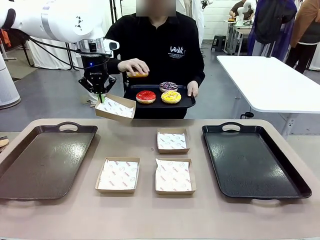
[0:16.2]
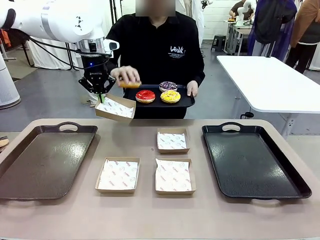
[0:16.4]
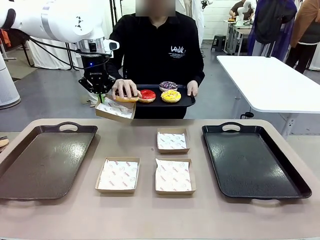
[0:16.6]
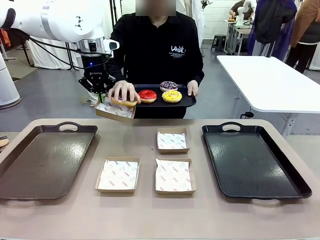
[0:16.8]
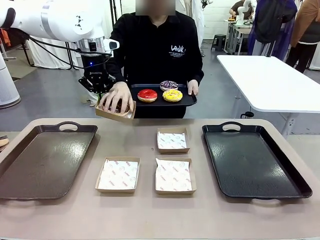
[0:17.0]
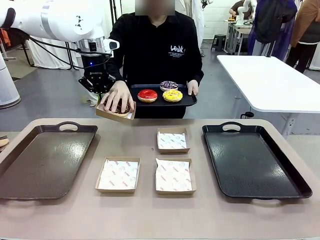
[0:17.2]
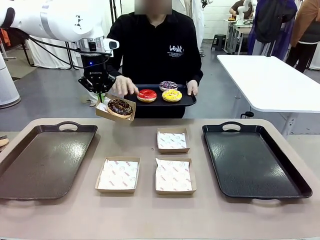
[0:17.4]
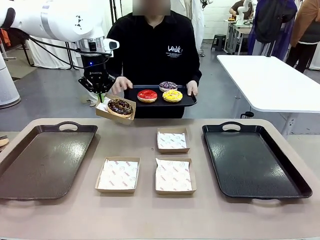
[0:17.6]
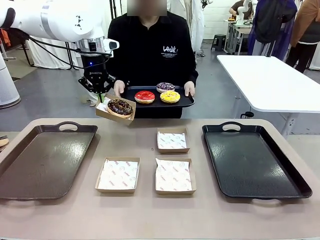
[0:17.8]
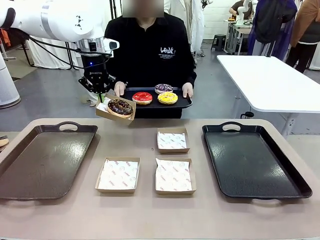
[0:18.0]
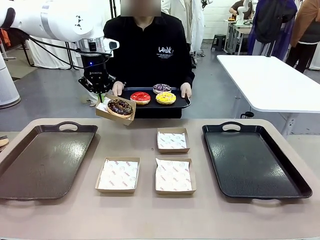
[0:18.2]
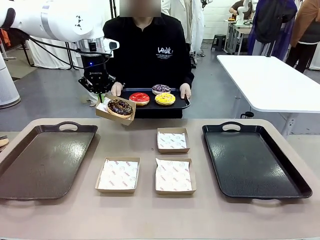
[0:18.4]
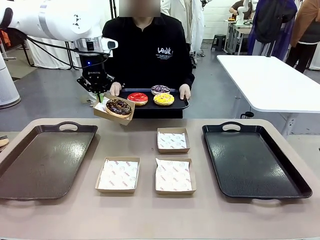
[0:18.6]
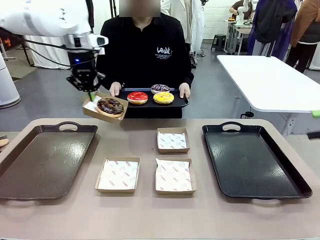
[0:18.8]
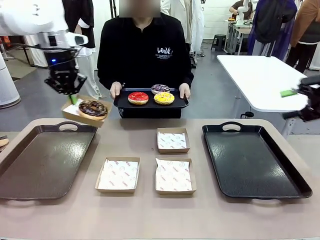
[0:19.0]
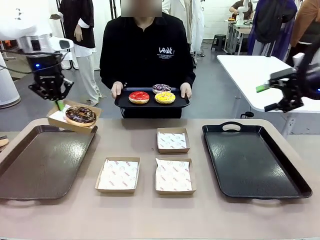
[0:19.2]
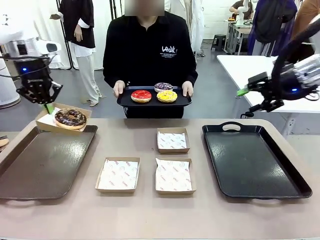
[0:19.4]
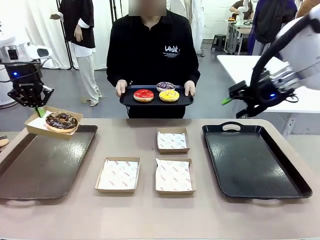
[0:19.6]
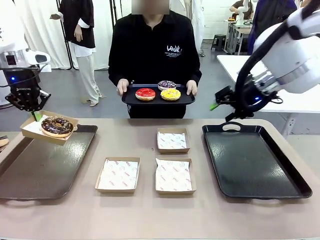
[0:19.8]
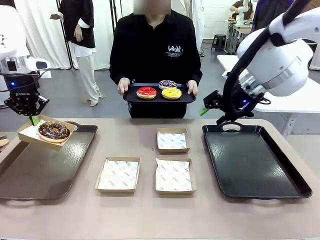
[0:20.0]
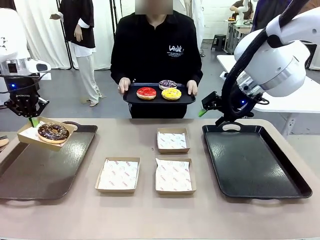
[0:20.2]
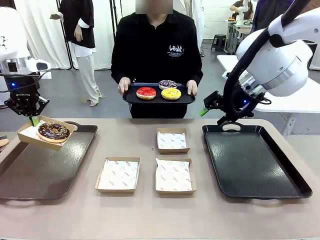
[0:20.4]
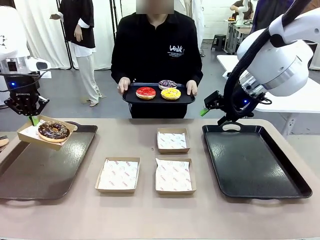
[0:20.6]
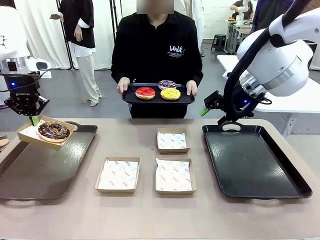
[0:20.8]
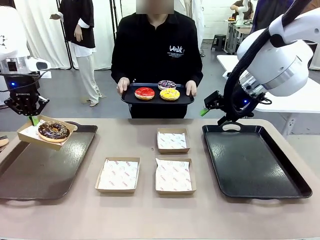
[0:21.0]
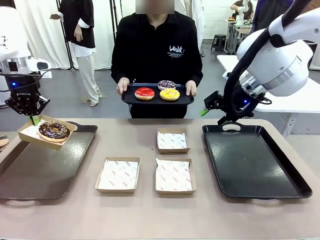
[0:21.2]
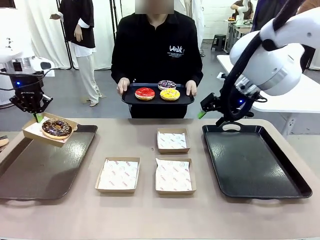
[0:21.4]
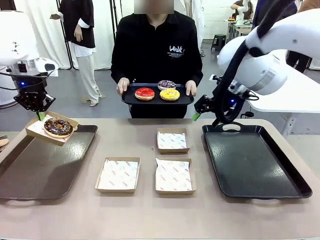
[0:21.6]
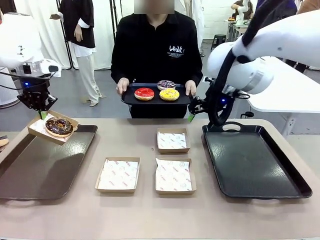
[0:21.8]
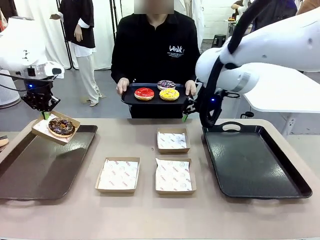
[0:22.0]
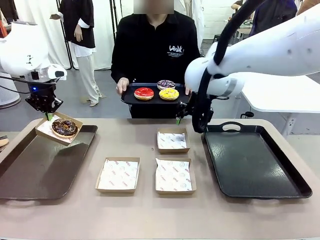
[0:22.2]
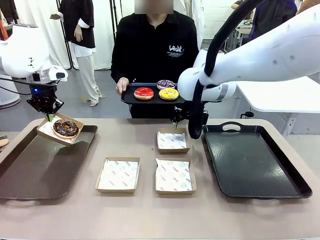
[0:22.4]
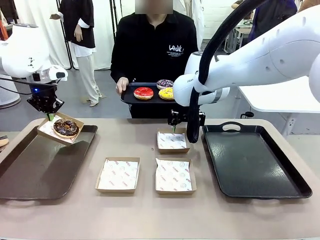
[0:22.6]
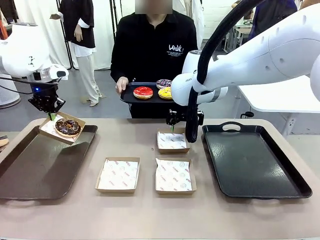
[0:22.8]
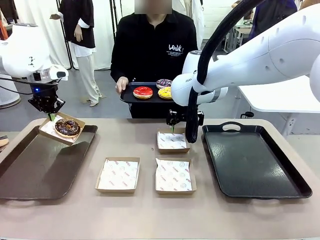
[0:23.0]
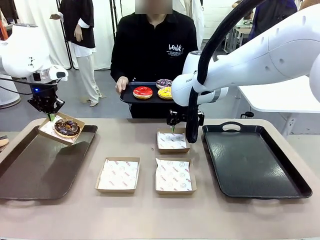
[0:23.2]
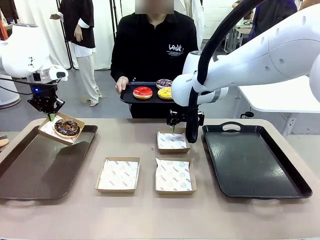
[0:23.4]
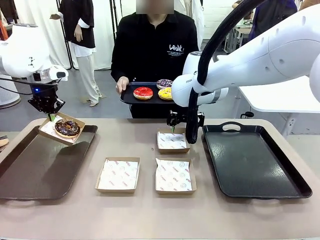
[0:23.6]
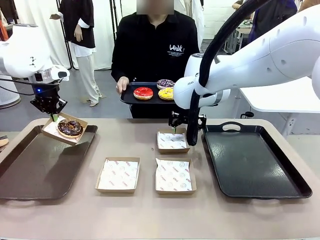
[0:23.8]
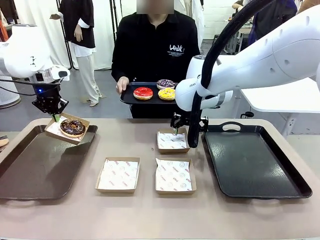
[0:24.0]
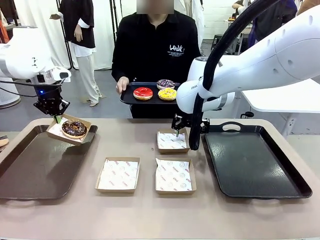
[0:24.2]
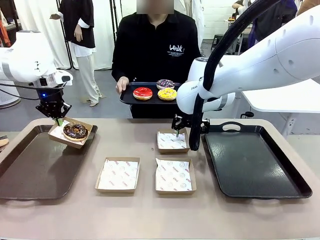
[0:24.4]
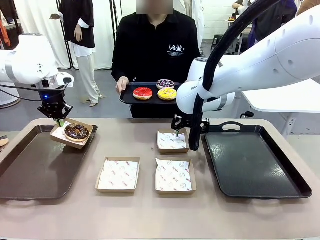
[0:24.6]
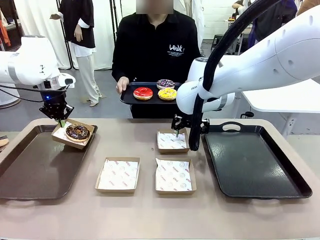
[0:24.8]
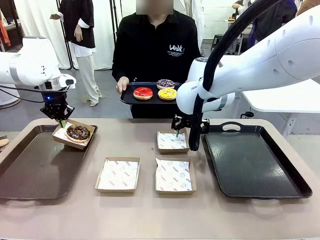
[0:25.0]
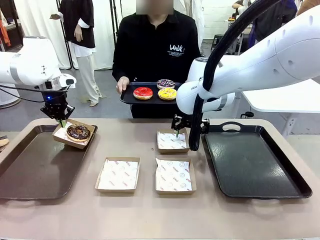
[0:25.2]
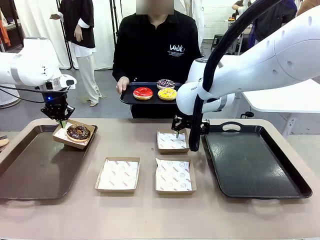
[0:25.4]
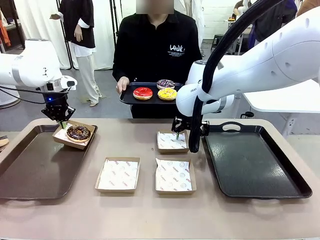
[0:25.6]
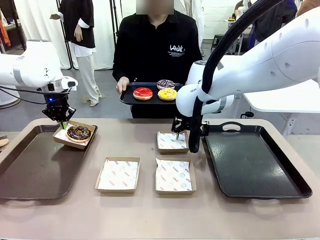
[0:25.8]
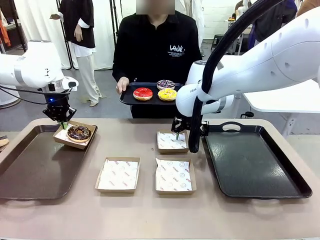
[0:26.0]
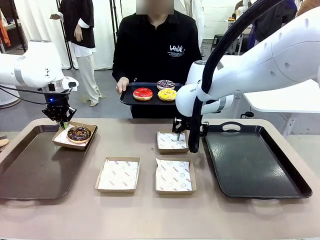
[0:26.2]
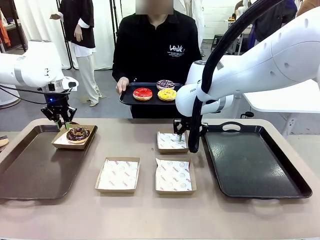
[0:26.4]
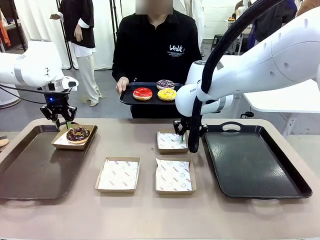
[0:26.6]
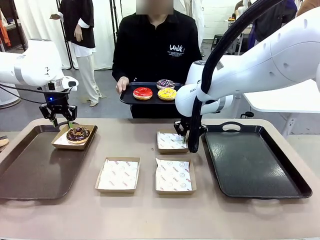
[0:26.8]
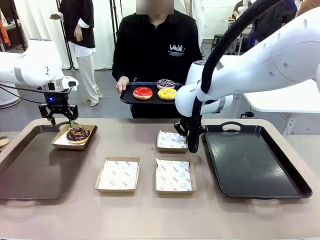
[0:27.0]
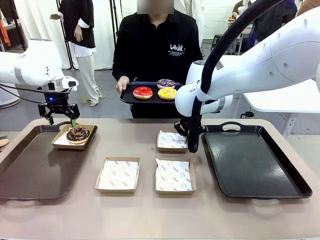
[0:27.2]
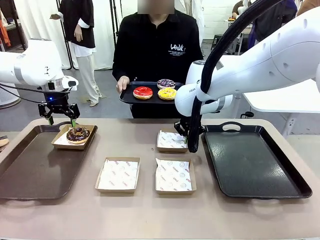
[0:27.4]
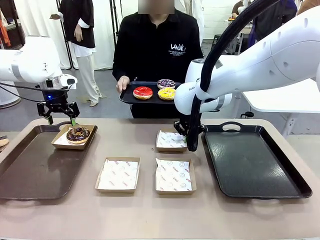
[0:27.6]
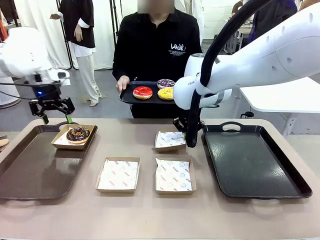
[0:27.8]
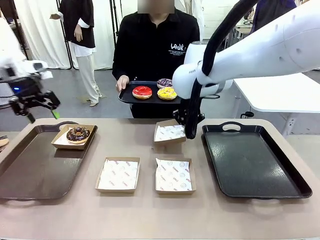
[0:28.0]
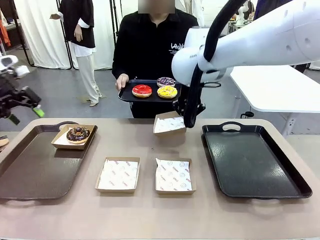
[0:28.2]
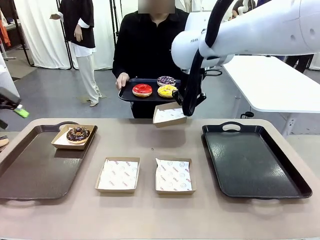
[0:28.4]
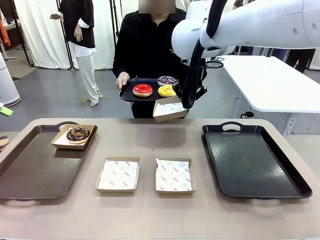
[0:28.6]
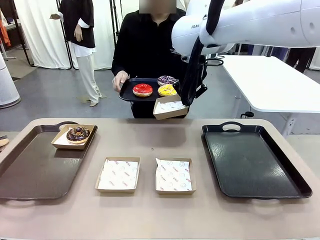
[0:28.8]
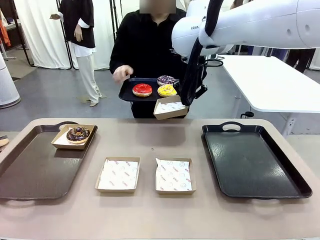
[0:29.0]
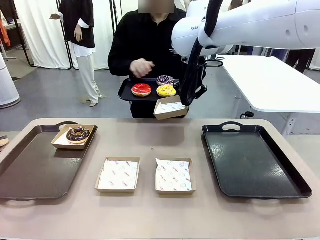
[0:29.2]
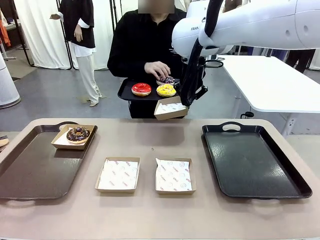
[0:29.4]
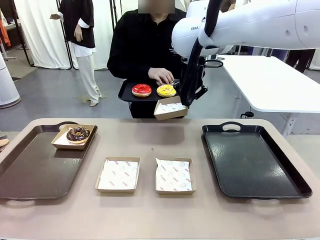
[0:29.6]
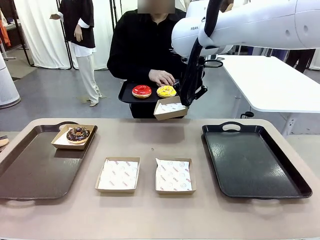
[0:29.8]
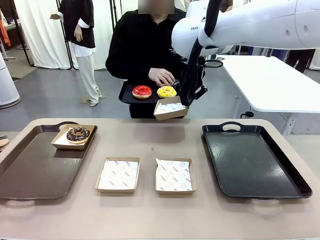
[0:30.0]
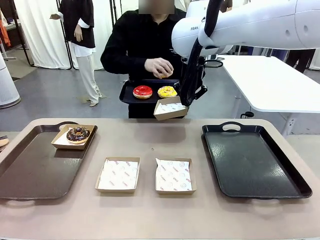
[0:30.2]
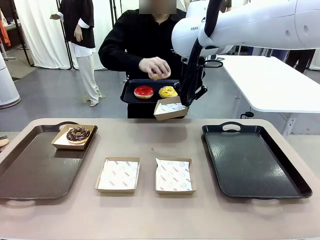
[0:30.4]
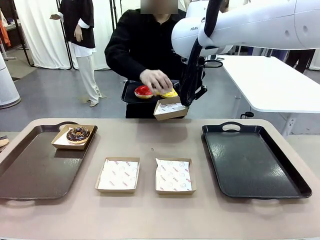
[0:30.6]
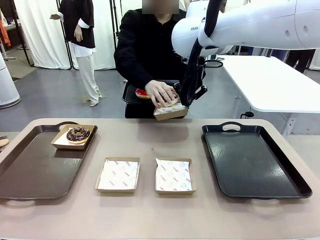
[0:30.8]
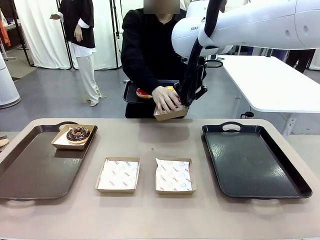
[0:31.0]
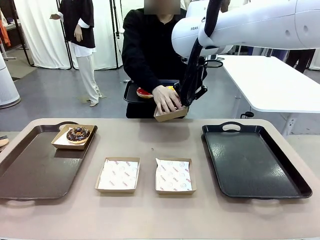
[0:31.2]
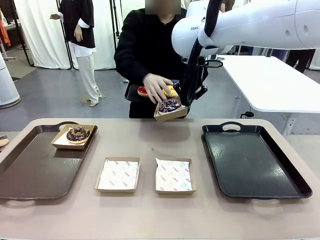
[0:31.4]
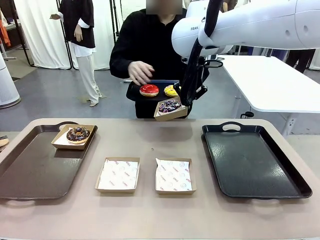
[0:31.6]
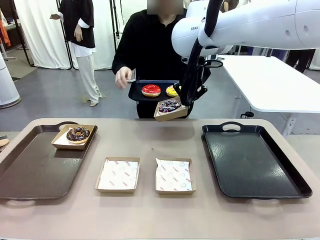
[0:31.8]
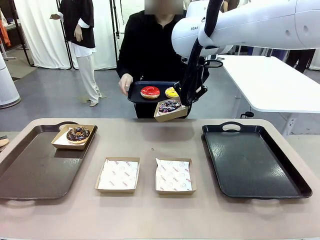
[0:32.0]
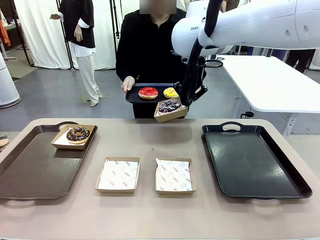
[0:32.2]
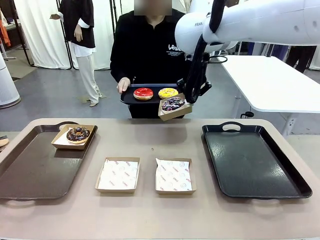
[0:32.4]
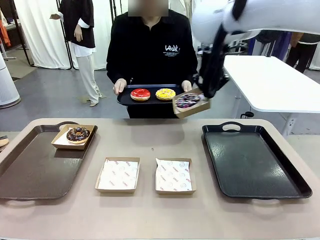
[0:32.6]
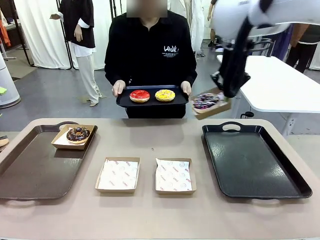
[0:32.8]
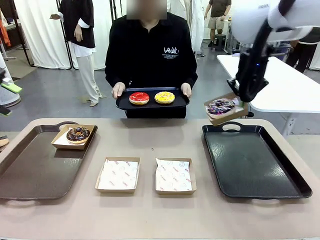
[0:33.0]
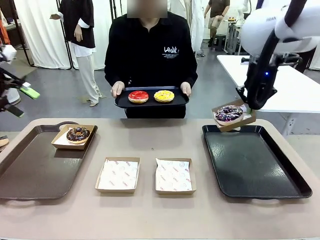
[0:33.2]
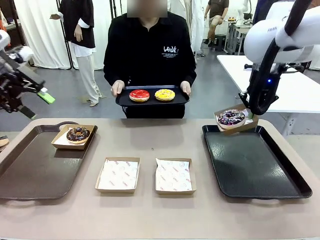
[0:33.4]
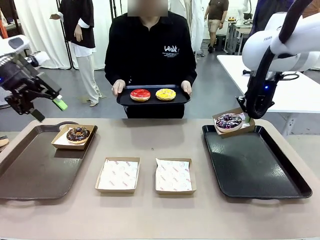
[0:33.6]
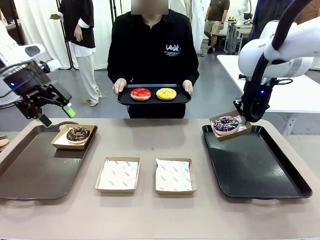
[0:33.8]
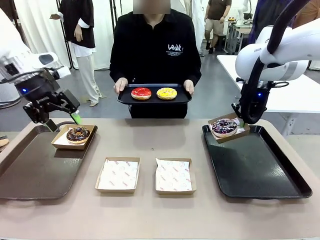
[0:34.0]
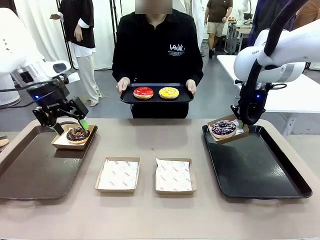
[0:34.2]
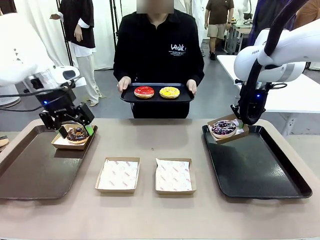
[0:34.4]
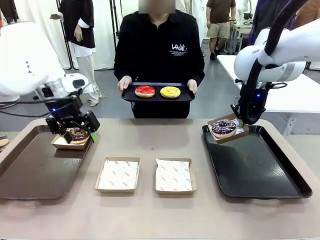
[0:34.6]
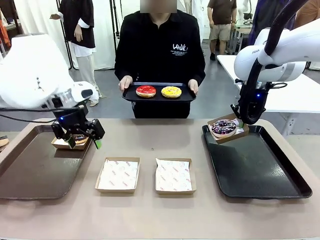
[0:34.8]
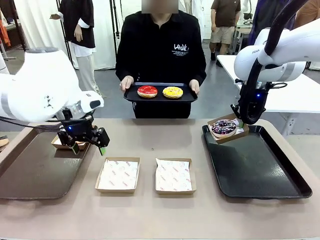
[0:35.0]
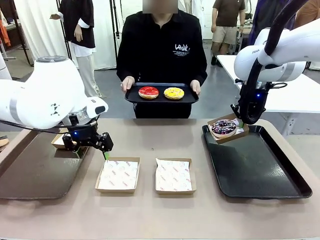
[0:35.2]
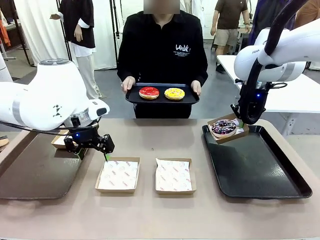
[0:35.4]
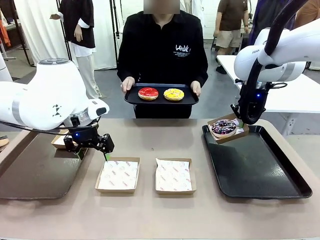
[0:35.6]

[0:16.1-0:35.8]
Task: Individually package the donuts and arrange them on the tray.
Robot: Place the picked Paper togo box on the Handle tray while simultaneously picking up another Paper togo box from the table with the other hand.
